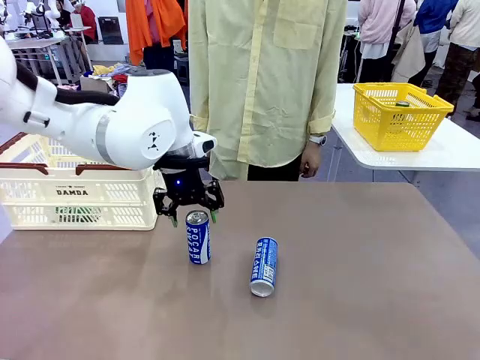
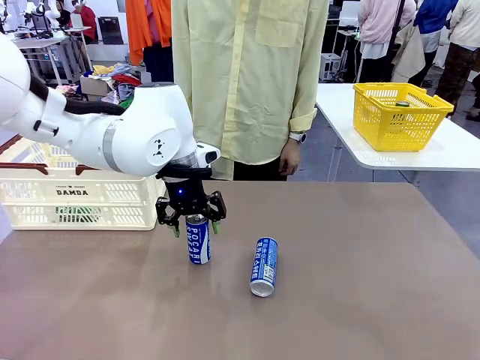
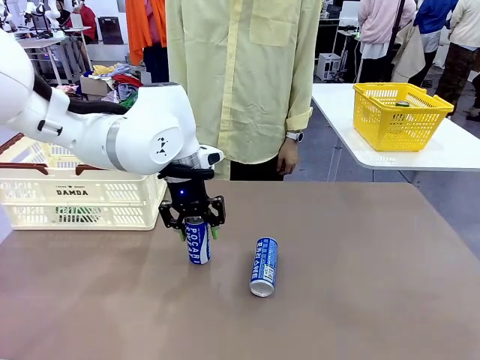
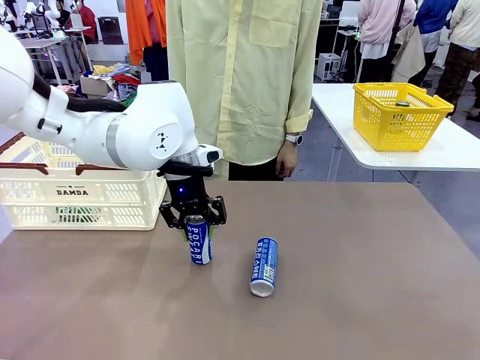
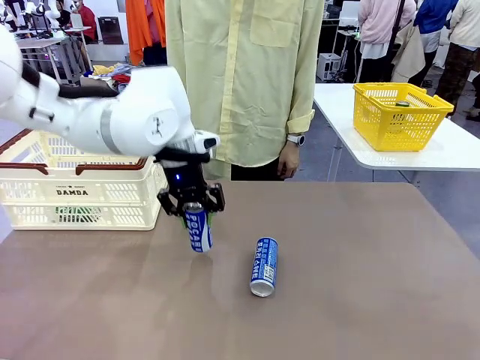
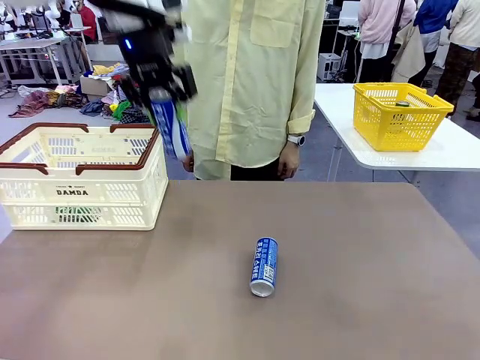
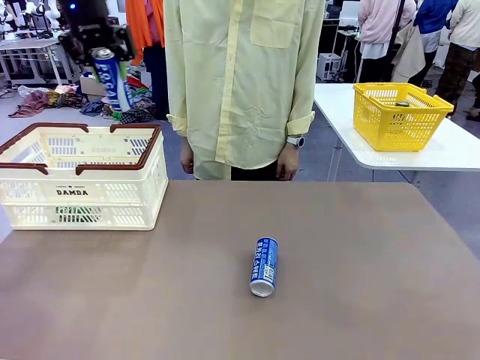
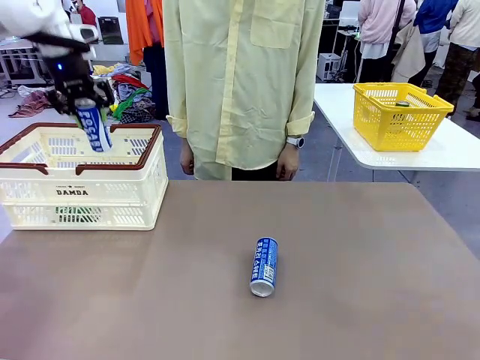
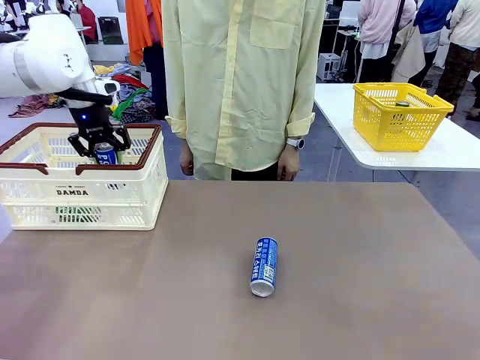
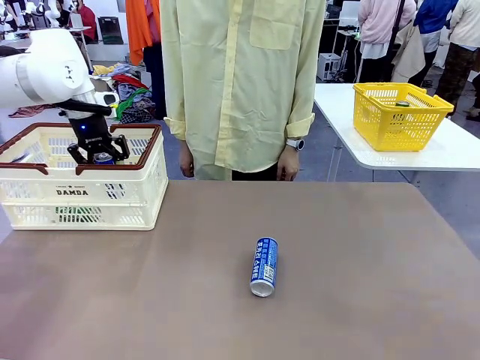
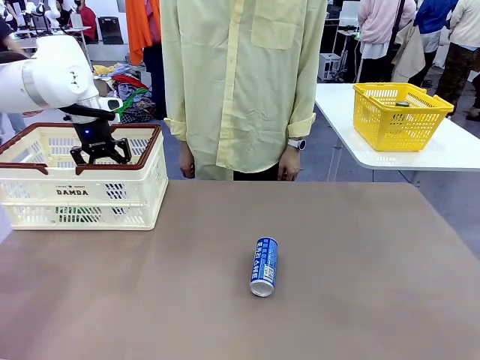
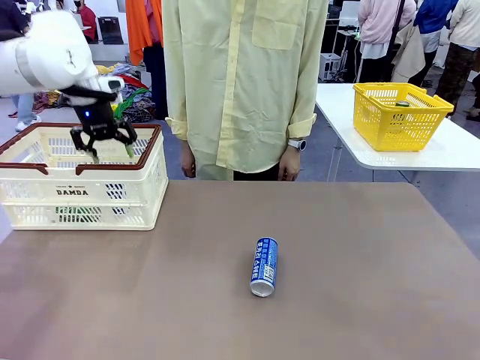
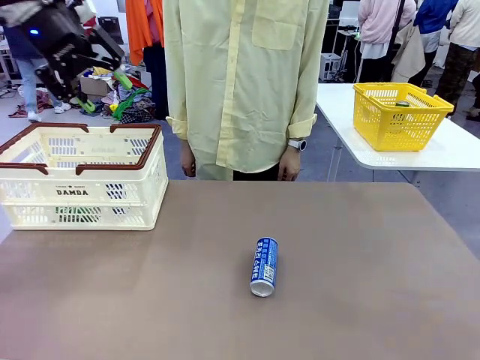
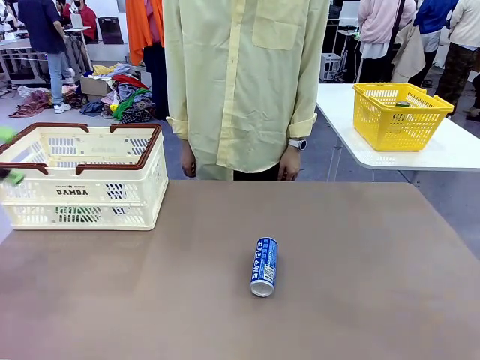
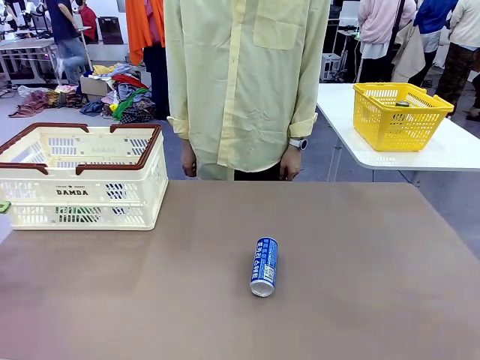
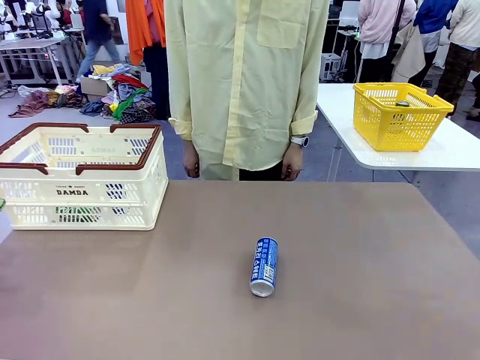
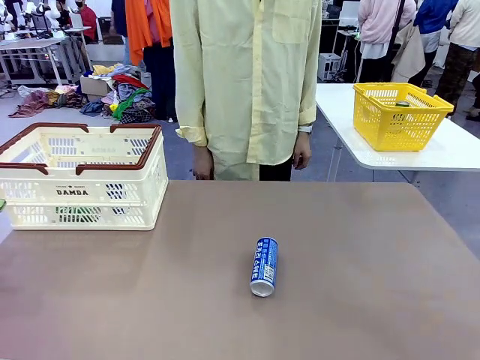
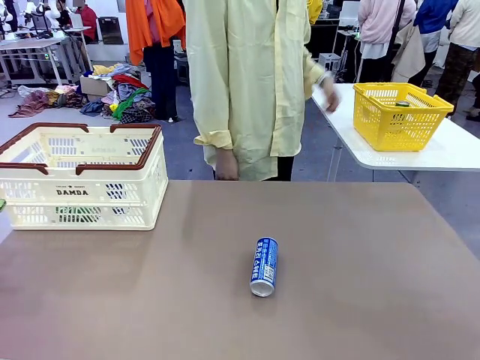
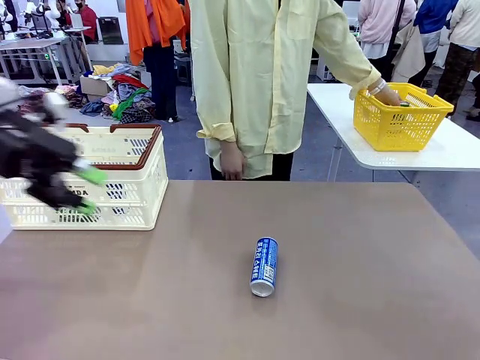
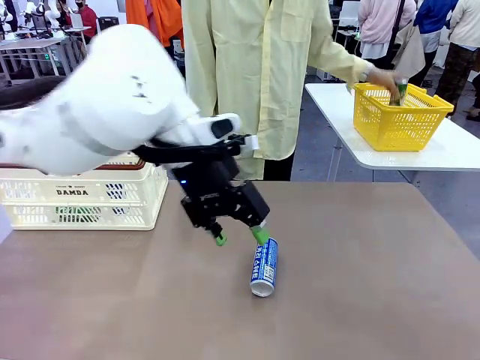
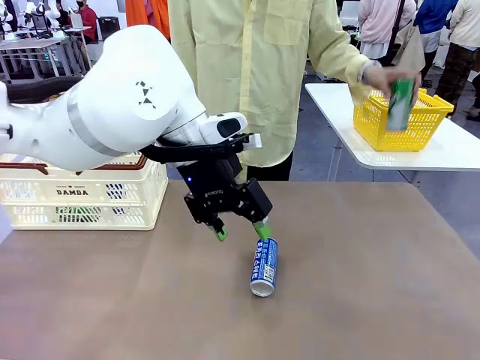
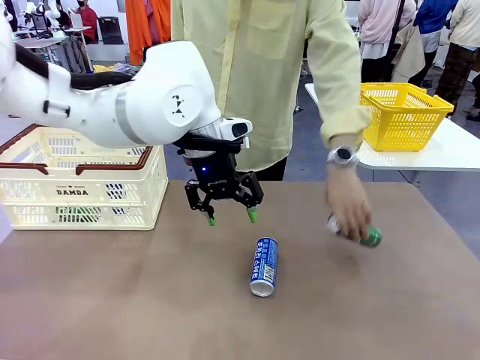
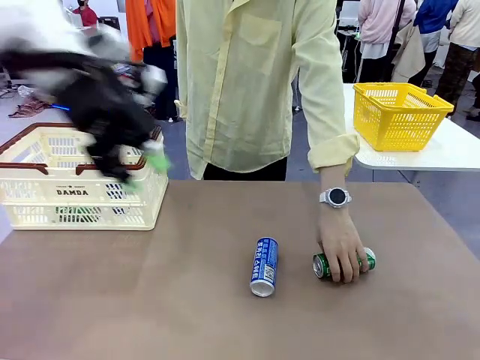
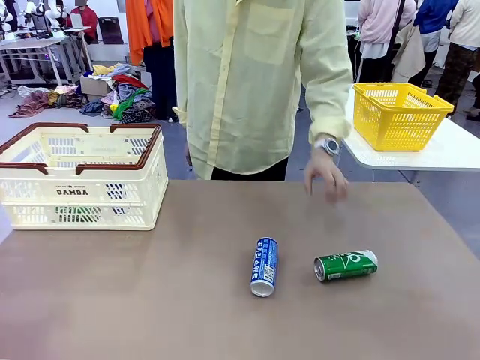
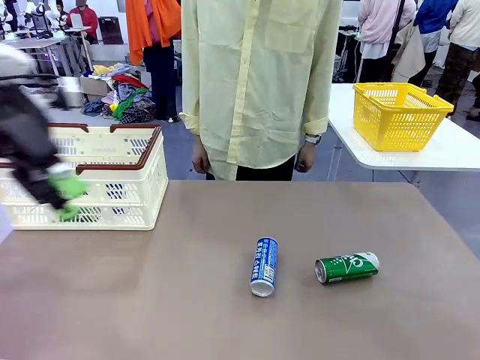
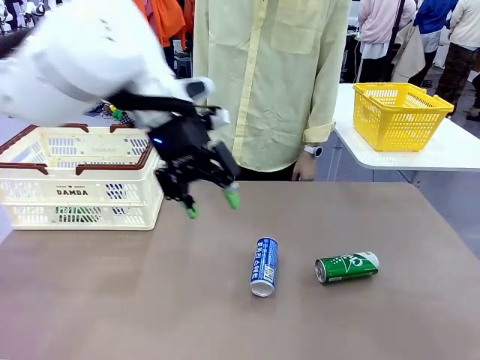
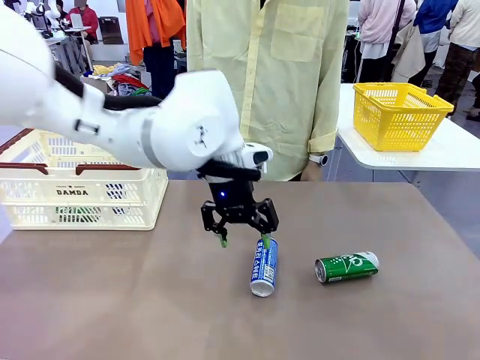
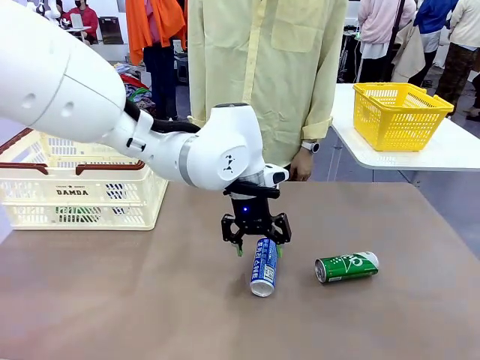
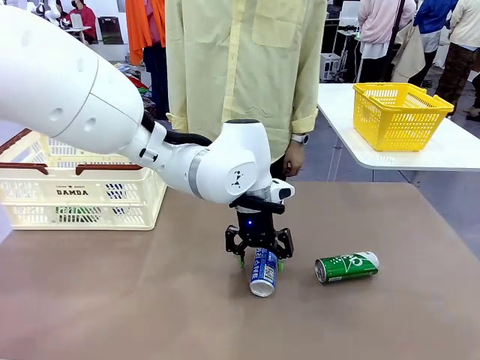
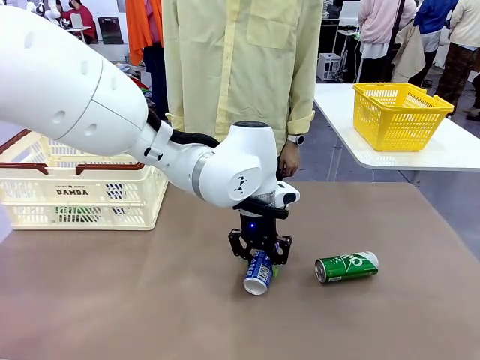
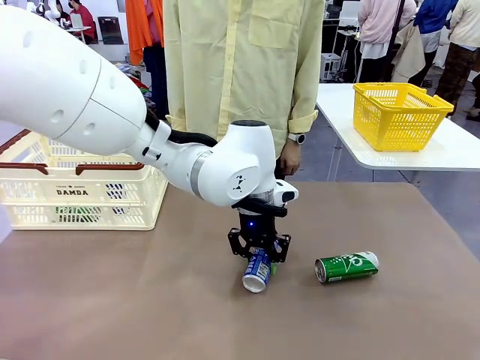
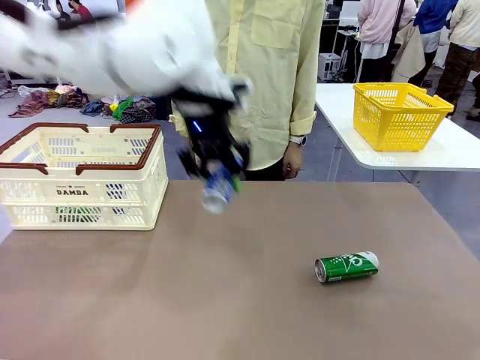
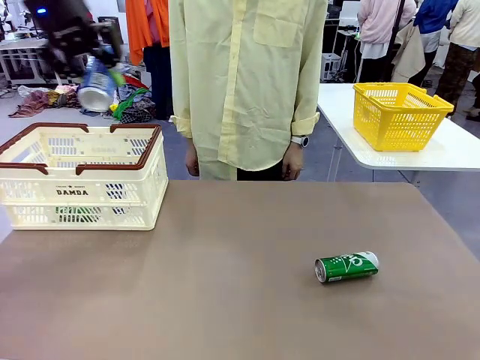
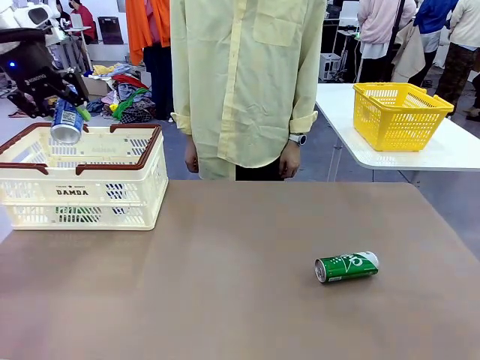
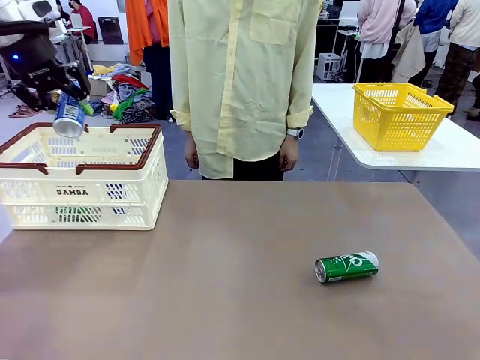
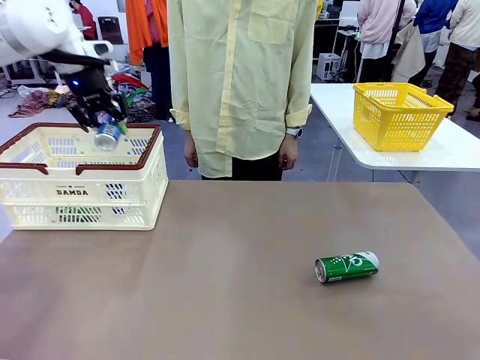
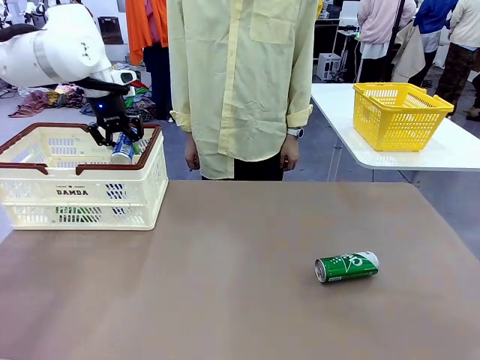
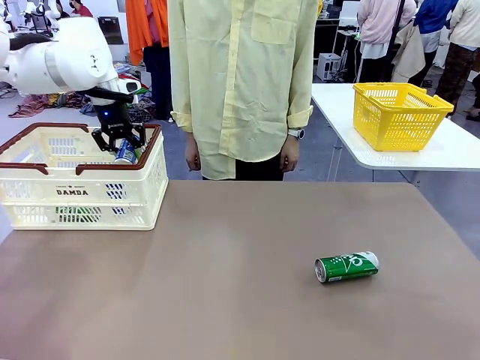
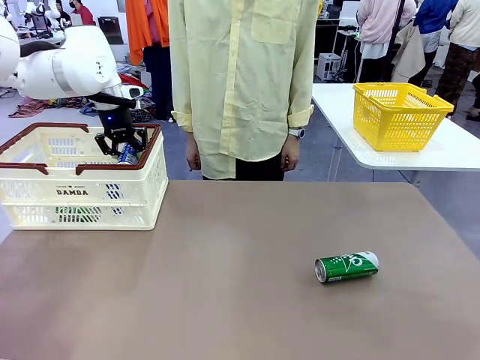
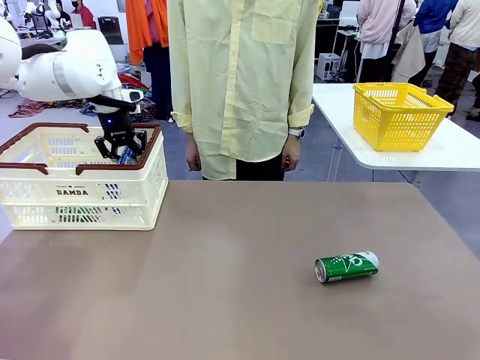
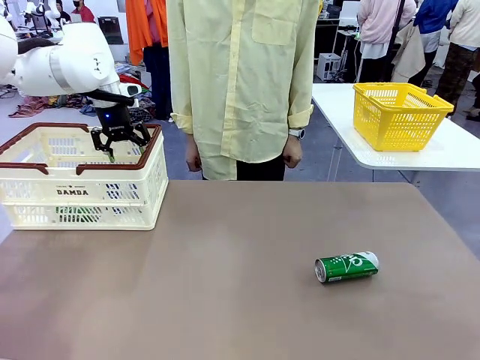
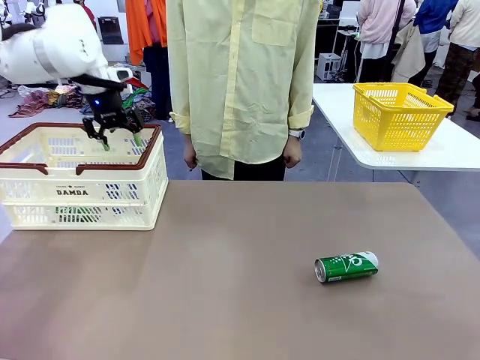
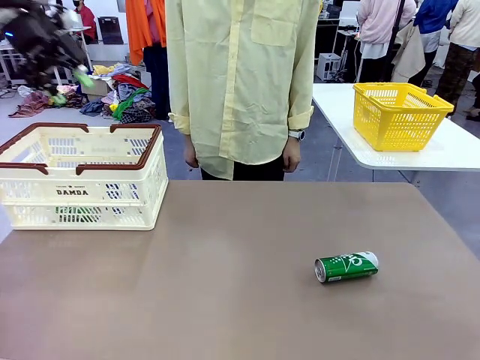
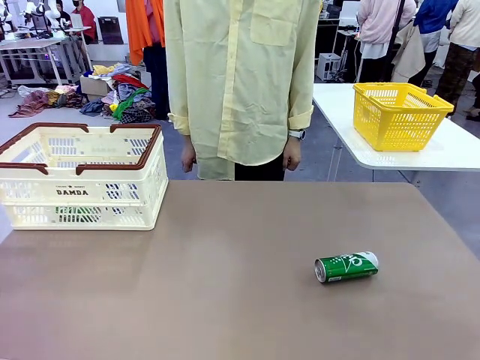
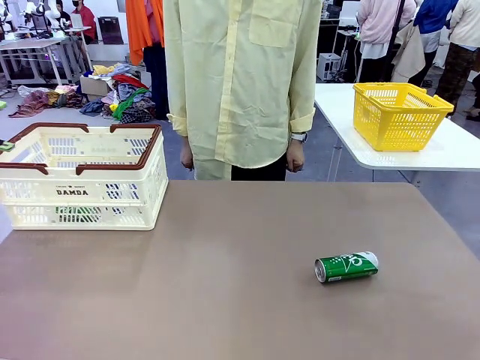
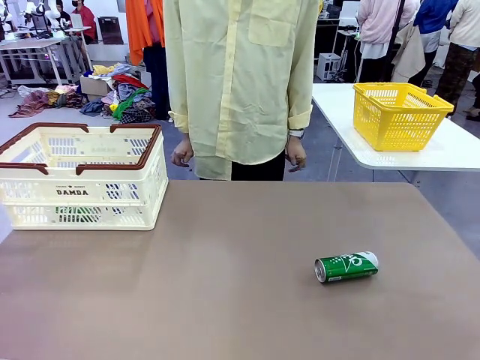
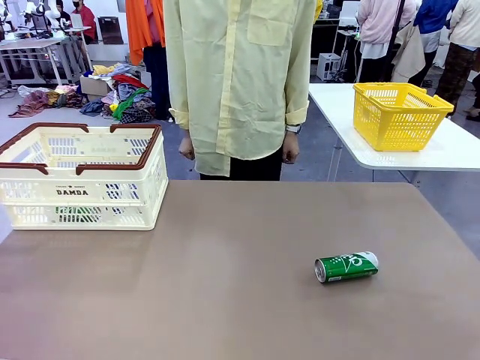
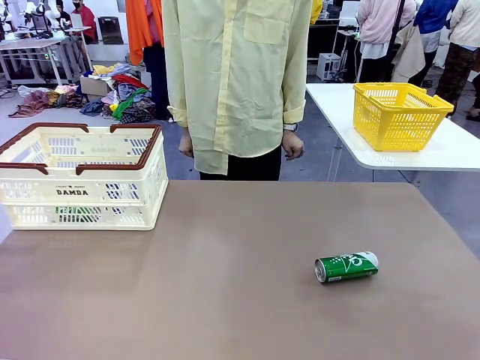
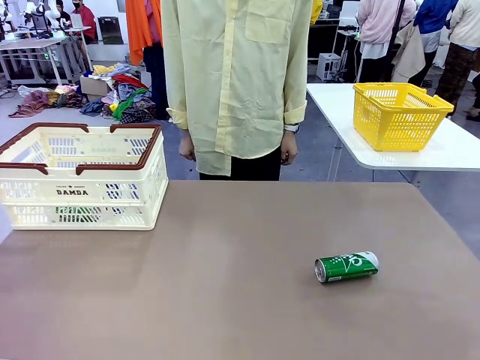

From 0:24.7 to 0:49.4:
Task: Place the drinks into the Shopping basket.
Robot: Pick up one drink and place it into the Shopping basket.
